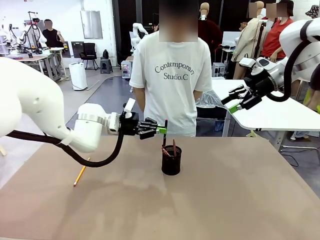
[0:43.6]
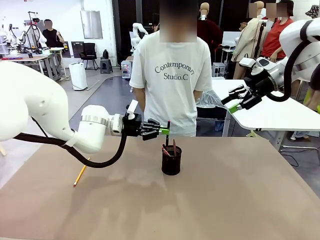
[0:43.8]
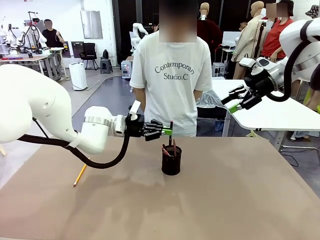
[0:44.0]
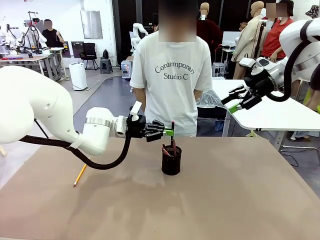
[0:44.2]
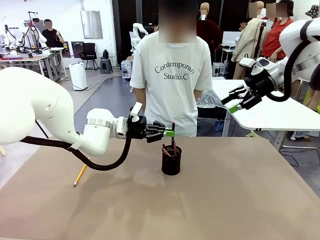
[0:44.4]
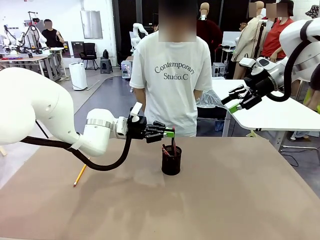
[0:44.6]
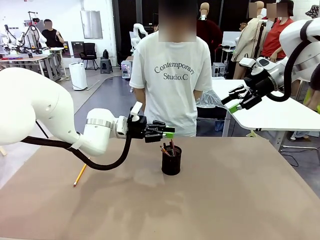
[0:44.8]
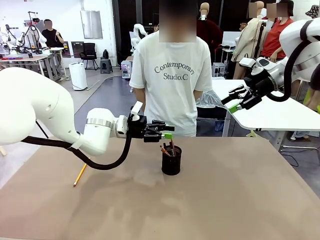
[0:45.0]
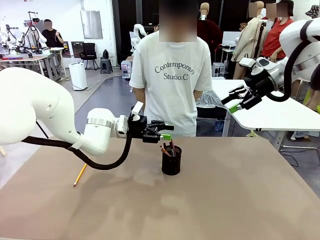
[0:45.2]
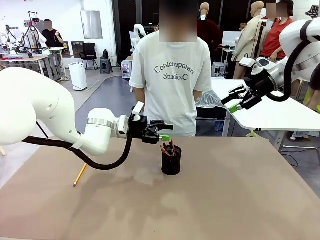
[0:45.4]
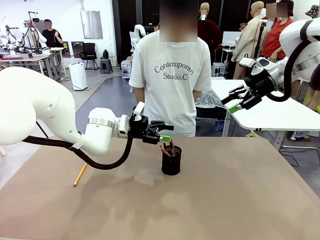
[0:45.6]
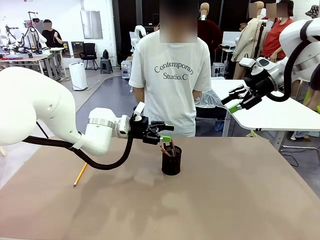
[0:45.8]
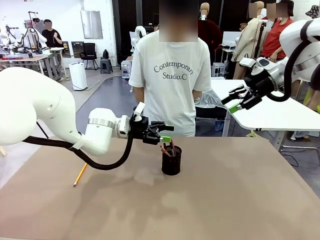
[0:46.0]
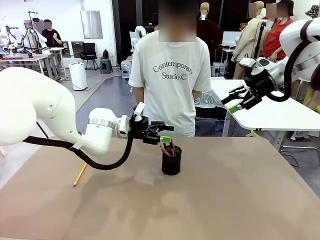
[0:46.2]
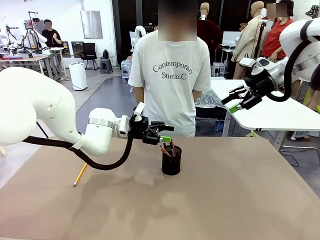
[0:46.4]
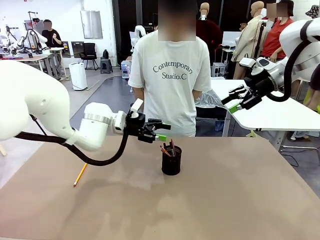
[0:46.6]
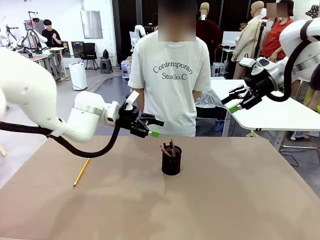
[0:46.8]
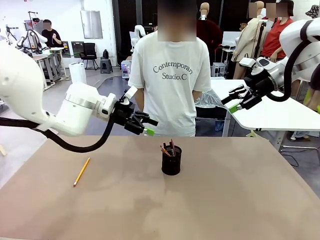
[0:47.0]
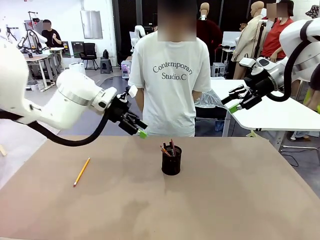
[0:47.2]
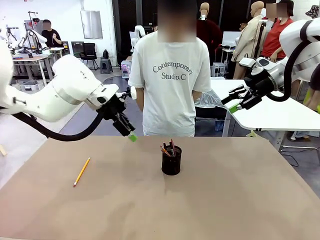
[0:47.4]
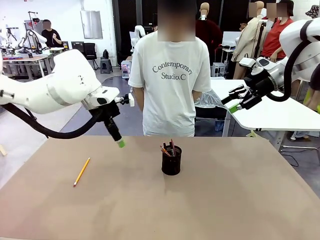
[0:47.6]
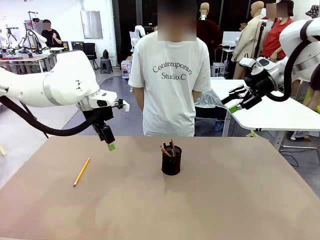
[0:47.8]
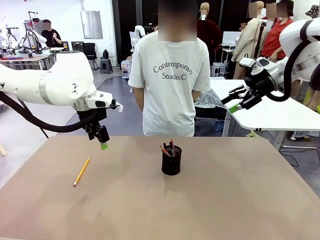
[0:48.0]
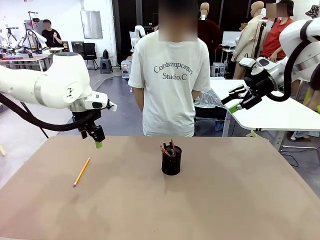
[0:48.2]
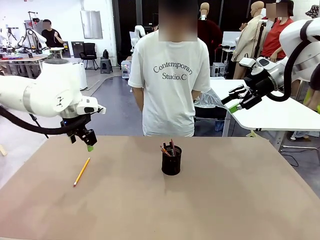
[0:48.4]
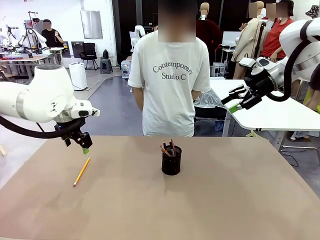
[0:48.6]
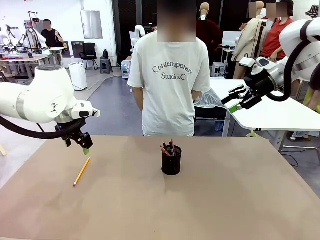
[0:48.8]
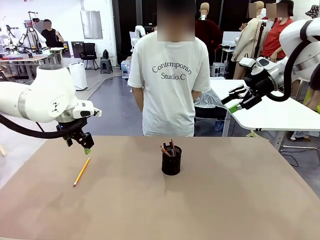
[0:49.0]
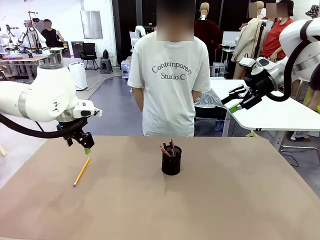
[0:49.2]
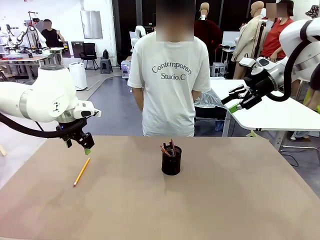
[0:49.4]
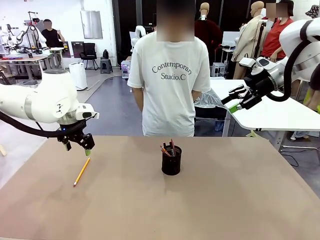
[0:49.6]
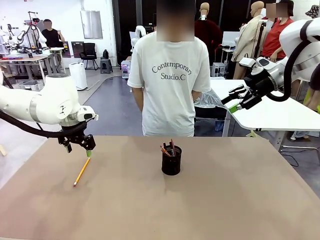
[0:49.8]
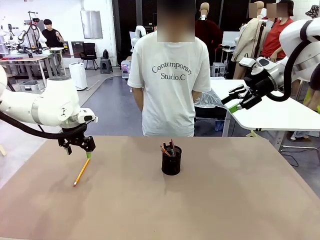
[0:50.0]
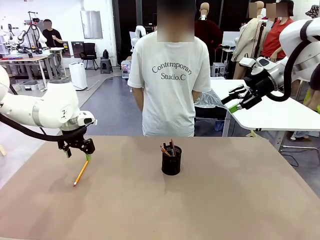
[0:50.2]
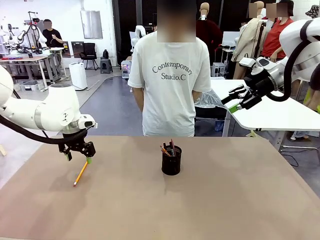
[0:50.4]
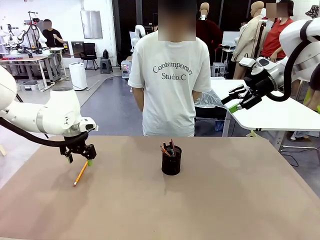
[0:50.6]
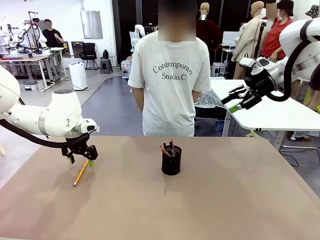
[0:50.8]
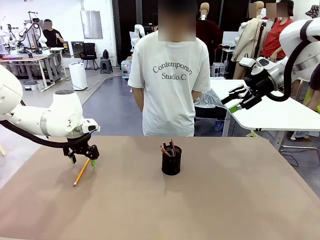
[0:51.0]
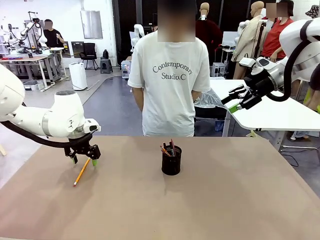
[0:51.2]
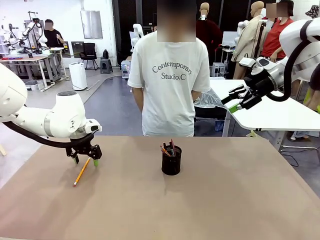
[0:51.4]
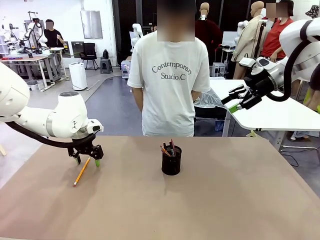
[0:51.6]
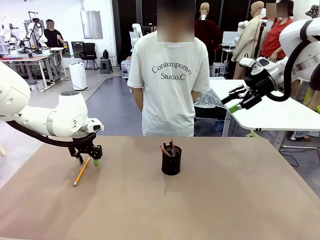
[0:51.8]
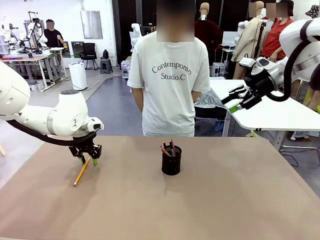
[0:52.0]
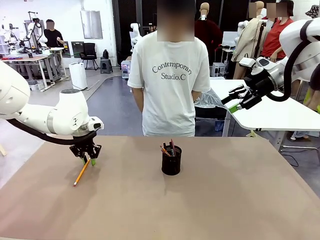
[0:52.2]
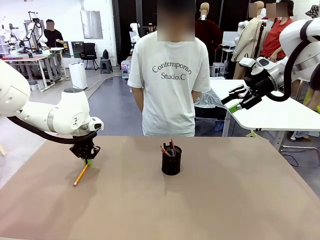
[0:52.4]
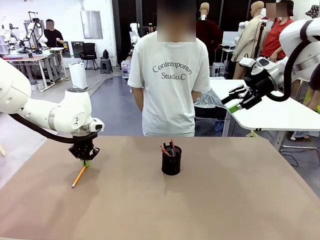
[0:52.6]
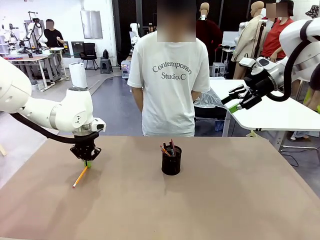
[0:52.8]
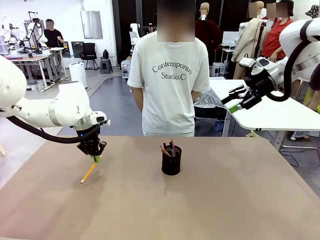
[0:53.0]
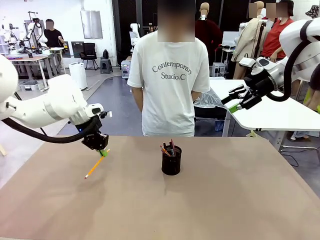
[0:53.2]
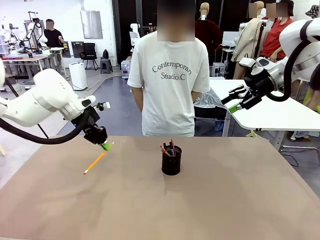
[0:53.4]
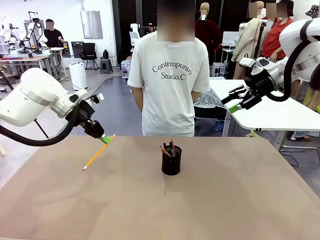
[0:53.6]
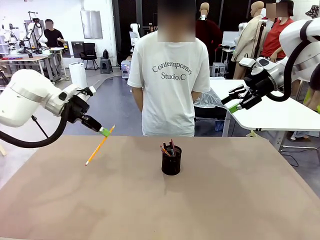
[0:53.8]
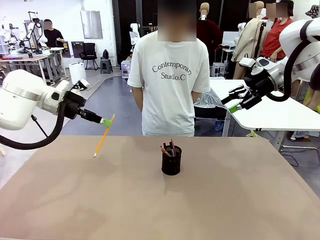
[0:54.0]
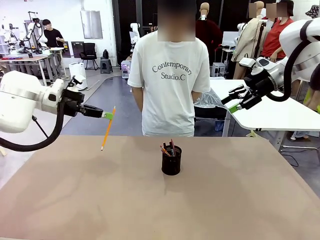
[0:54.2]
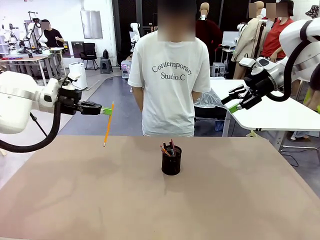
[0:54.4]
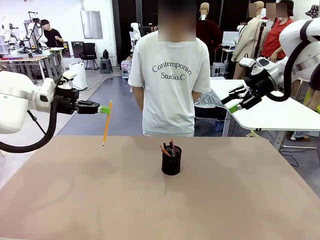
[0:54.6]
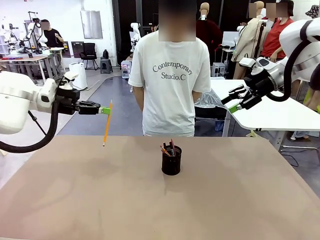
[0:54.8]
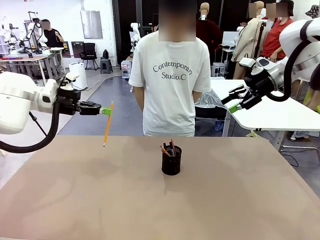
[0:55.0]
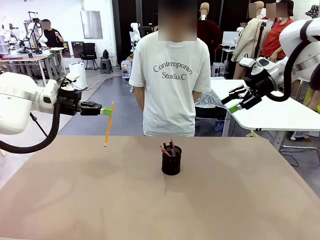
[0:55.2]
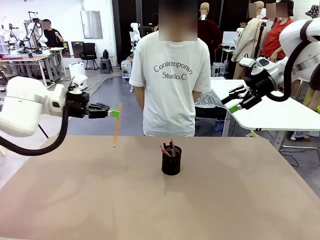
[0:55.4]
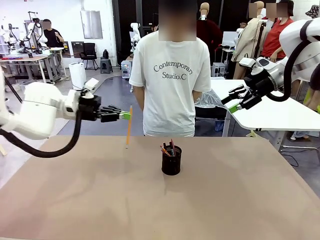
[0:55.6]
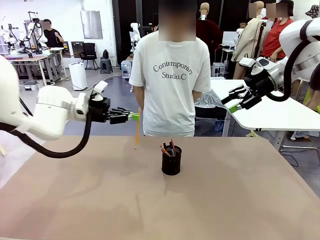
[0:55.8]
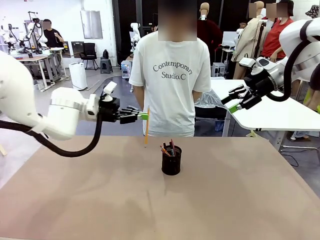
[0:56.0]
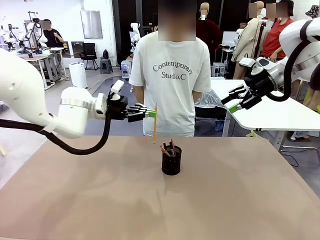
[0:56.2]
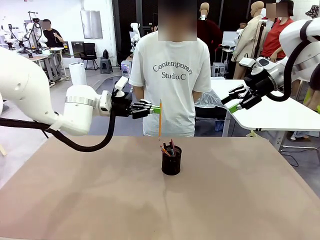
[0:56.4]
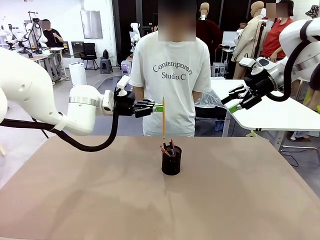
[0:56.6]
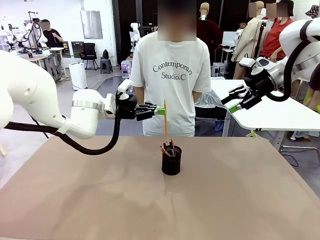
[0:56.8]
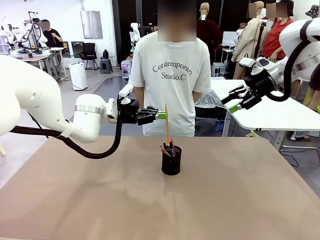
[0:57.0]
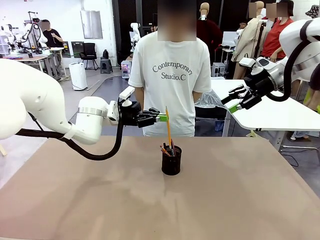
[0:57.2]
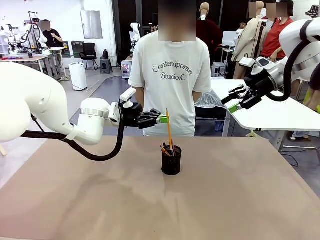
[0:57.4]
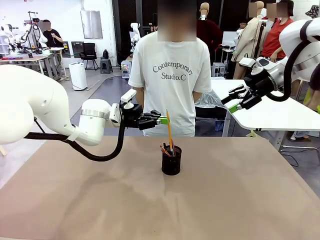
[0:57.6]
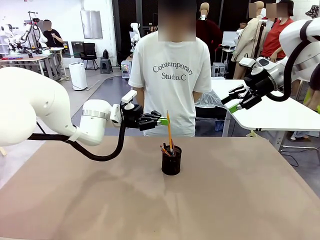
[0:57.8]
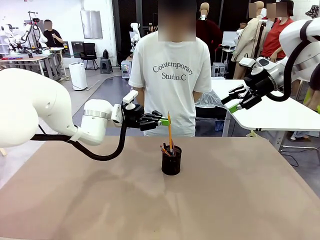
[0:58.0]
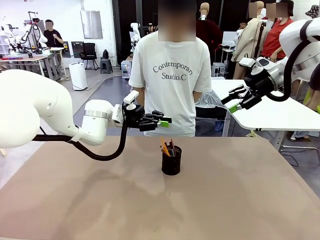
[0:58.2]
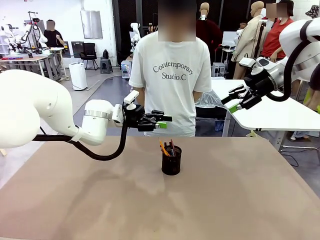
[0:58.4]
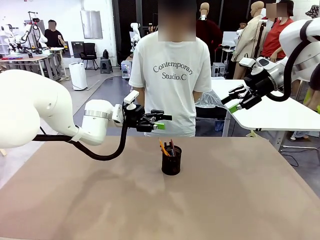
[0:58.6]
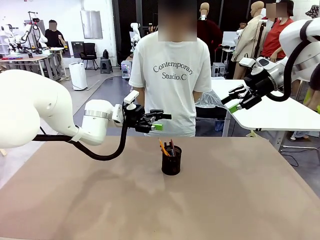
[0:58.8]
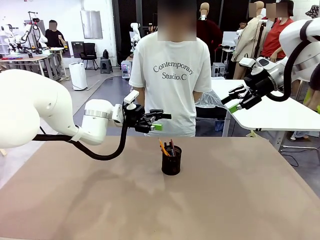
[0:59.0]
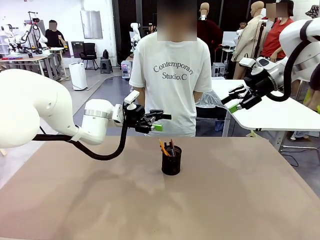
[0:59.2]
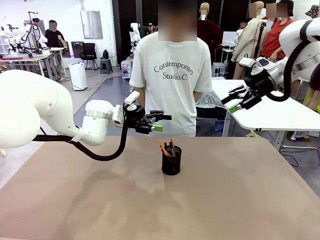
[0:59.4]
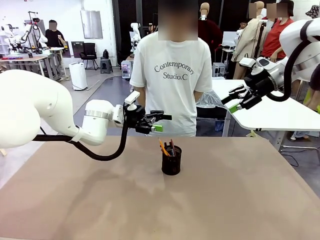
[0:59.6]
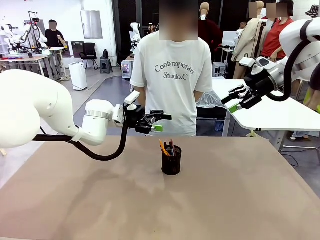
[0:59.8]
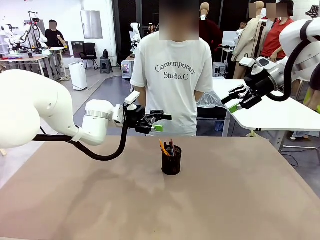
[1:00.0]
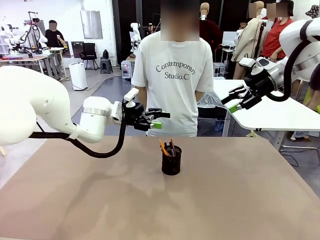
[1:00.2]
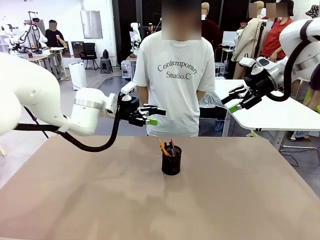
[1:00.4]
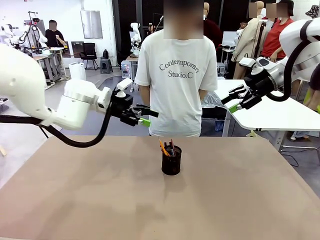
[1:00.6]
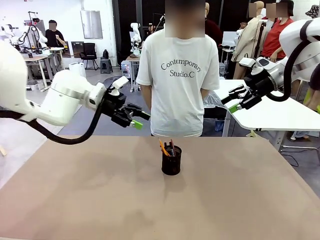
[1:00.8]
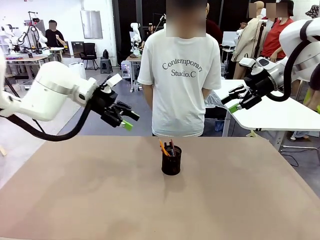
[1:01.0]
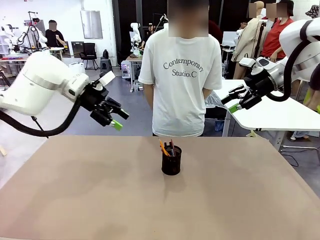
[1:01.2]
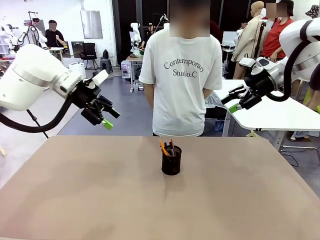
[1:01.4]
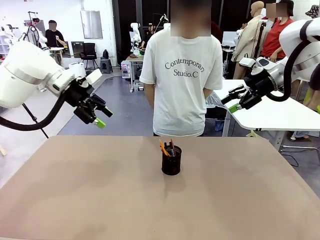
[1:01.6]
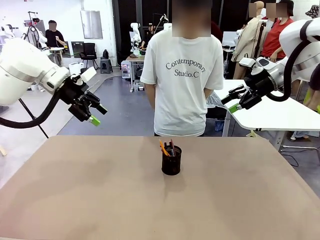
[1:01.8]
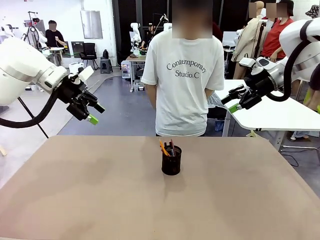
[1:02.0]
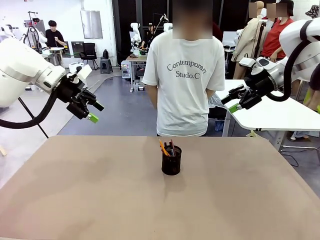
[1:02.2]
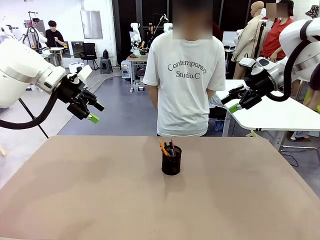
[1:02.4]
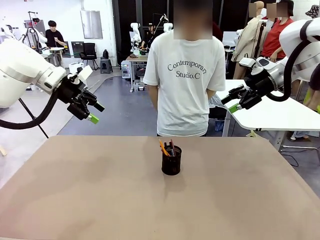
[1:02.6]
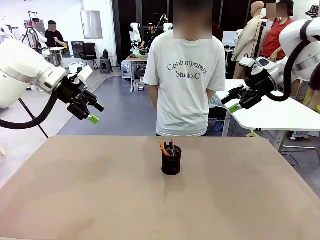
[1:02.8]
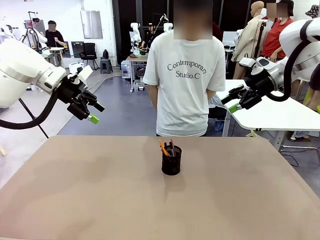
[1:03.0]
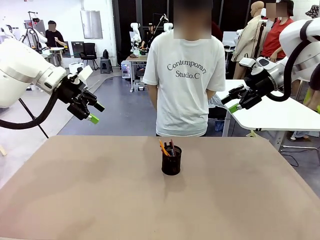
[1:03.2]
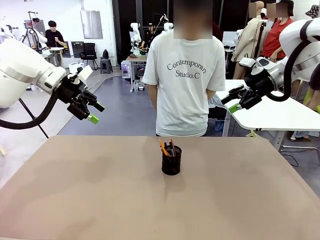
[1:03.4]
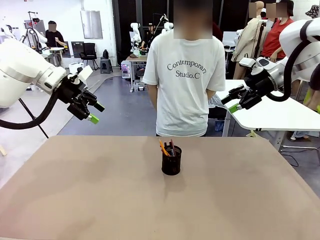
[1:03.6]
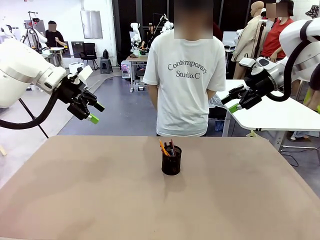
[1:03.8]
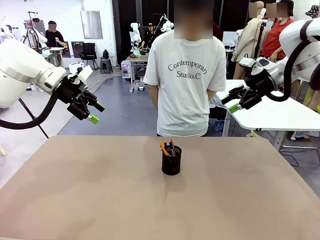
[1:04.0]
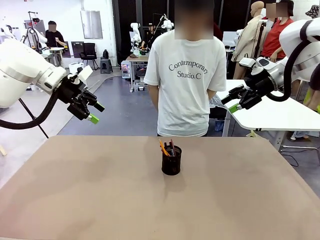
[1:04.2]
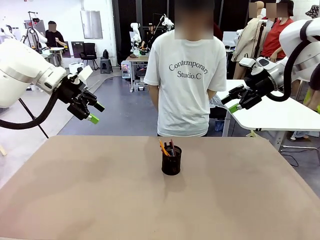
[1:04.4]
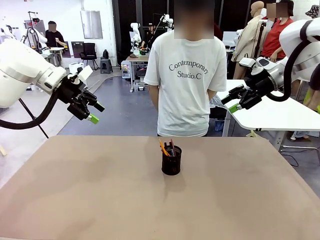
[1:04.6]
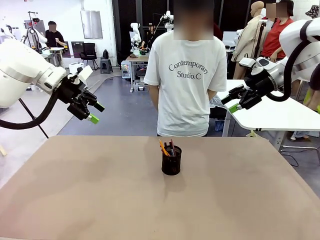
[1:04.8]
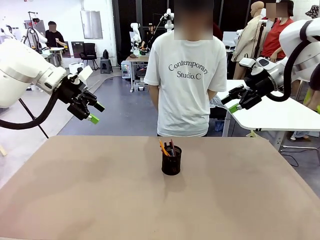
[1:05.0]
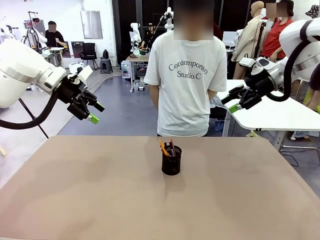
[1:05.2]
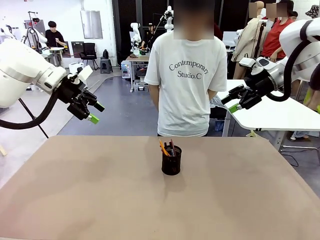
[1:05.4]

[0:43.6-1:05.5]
Task: Place the pens into the pen holder.
Robot: Pick up a writing instrument from the table and place it into the Pen holder.
